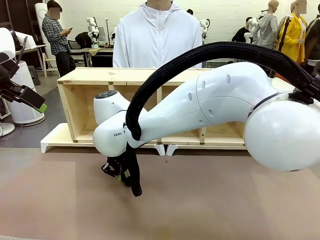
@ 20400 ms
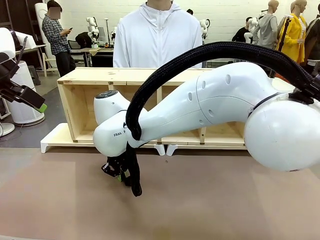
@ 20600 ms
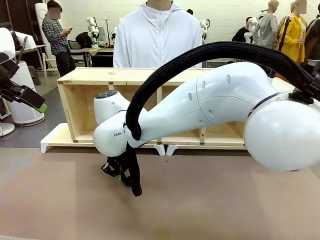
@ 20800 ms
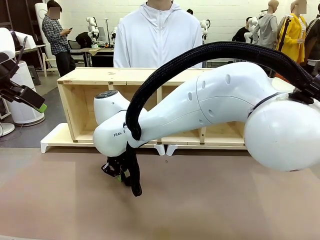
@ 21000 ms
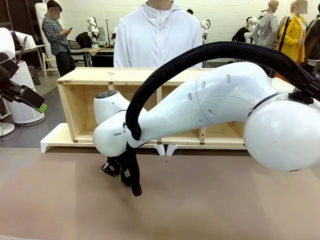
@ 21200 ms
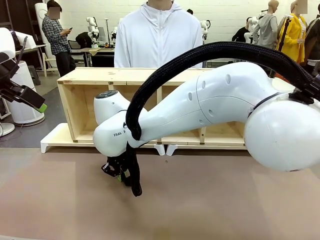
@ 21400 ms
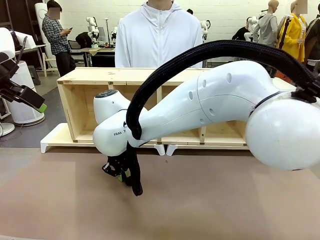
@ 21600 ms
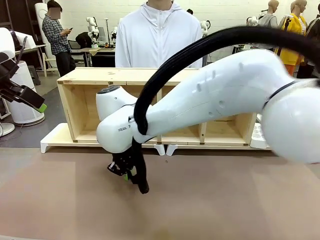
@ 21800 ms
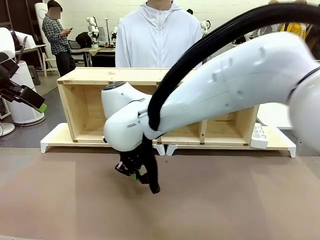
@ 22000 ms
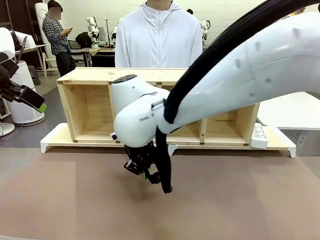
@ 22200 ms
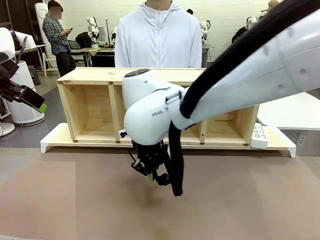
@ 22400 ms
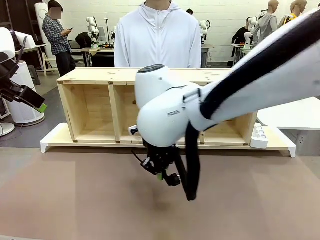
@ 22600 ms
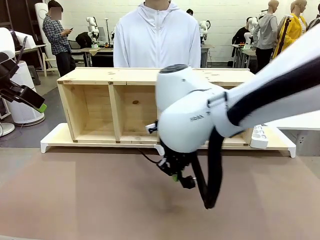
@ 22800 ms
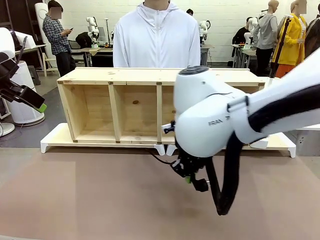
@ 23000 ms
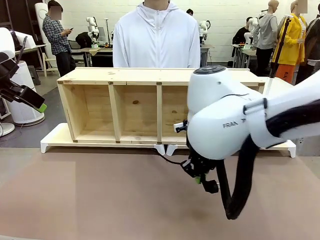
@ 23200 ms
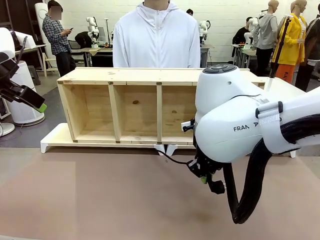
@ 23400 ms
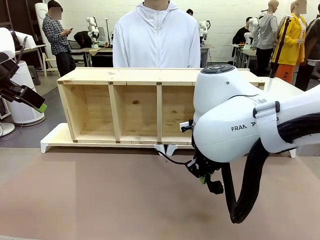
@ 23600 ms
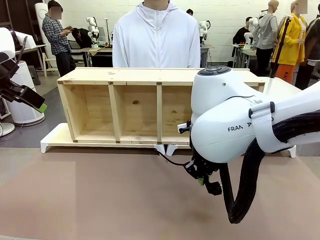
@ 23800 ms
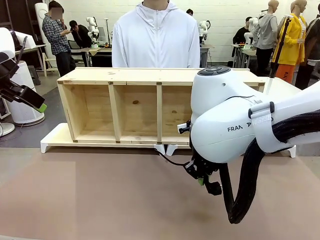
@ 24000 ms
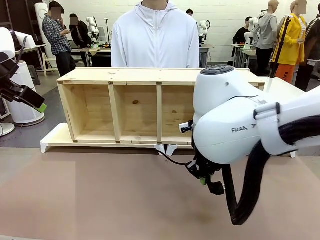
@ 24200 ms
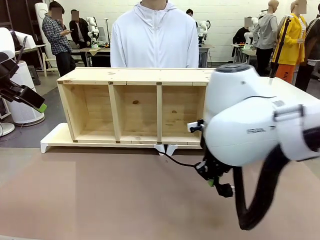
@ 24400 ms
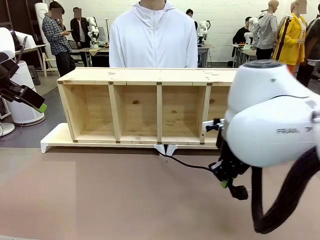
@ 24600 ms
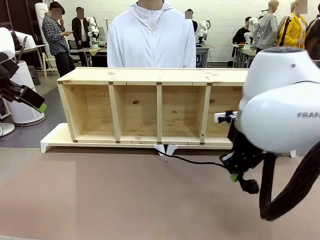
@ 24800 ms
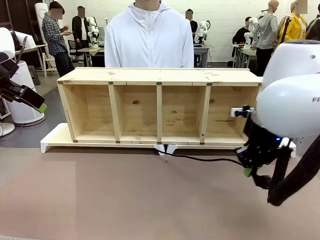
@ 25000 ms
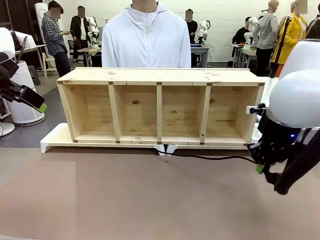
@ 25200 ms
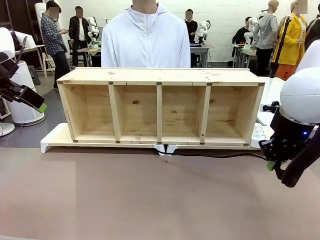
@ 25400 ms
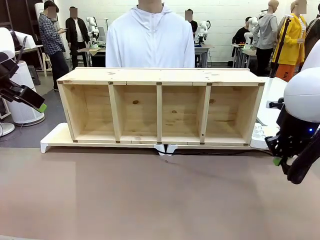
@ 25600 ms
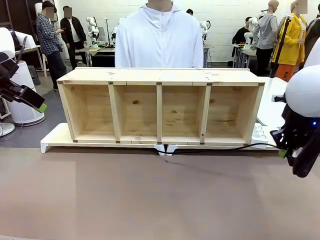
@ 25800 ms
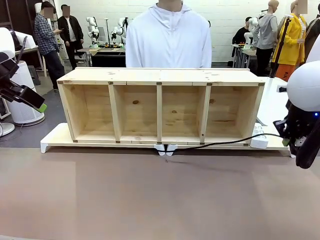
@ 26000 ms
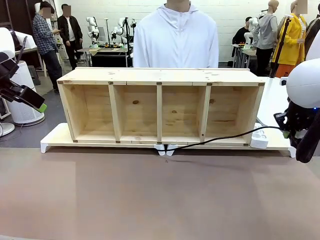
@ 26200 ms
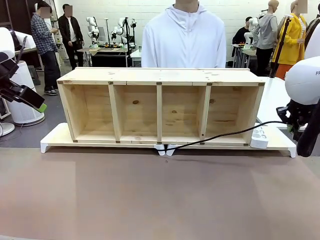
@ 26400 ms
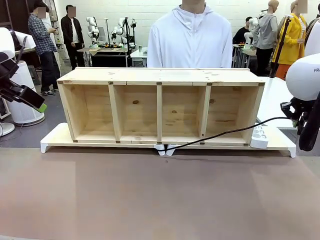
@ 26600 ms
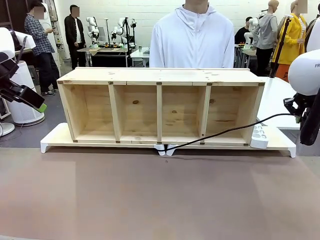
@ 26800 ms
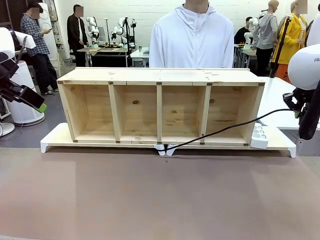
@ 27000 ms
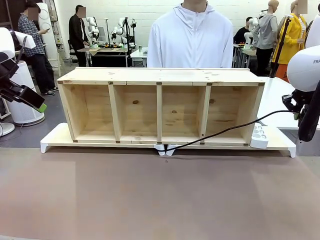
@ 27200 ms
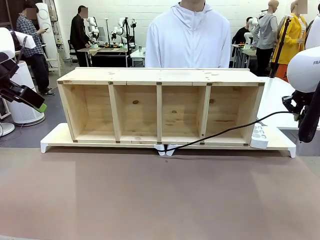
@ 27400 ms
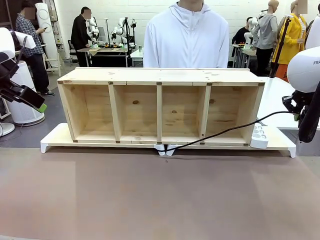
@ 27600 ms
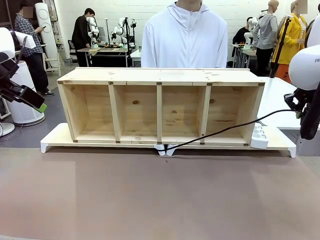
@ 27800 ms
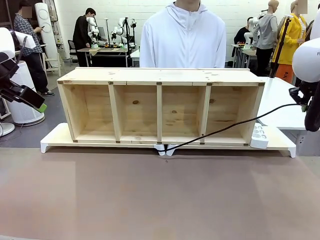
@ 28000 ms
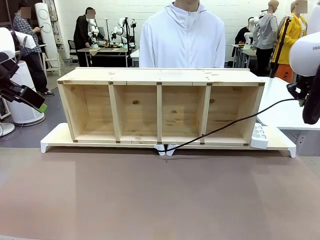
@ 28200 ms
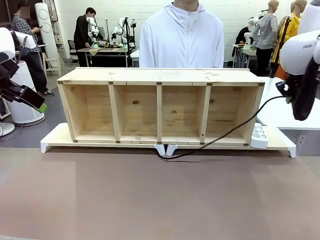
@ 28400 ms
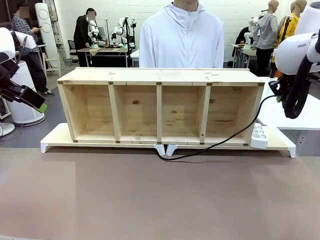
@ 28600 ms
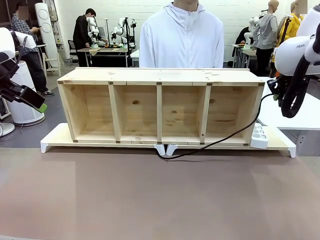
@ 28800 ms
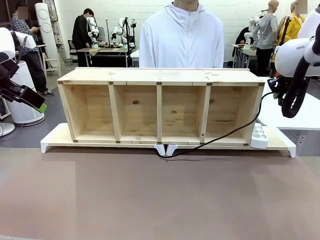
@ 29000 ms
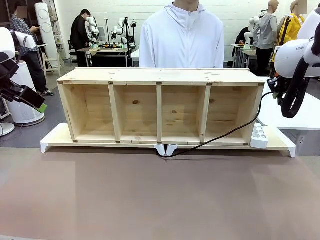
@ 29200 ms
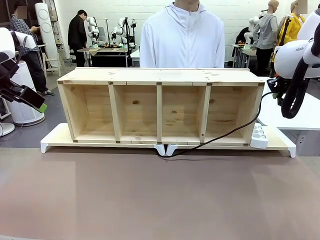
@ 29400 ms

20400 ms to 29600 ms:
Task: Perform cable management.
Robot: Pull the grasped Power Cable to the location of the Power Strip.

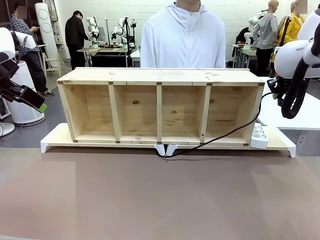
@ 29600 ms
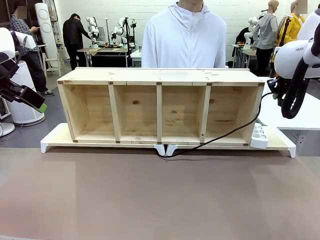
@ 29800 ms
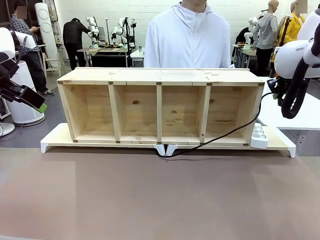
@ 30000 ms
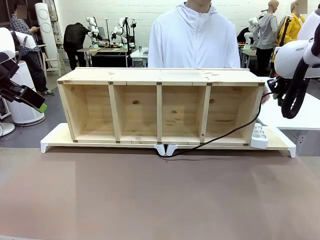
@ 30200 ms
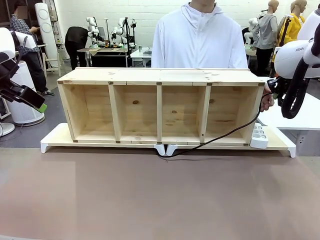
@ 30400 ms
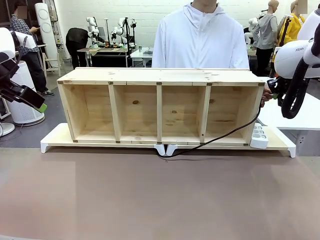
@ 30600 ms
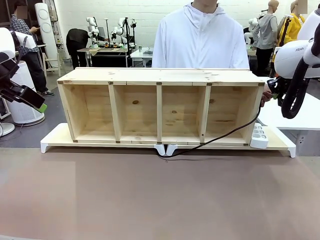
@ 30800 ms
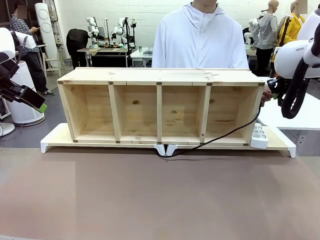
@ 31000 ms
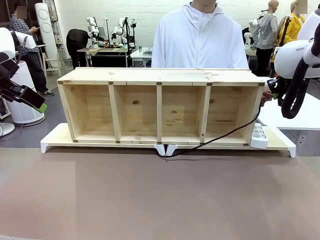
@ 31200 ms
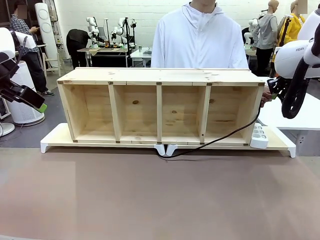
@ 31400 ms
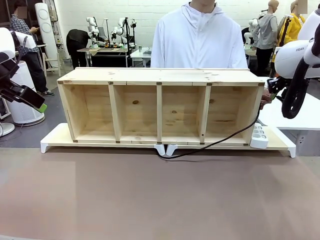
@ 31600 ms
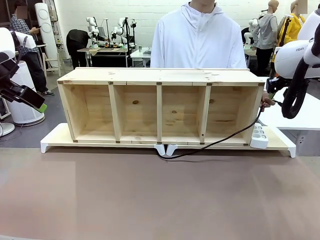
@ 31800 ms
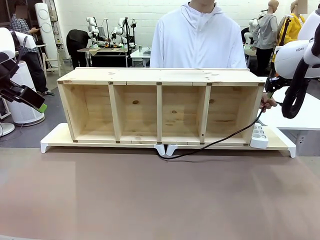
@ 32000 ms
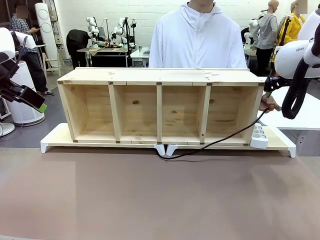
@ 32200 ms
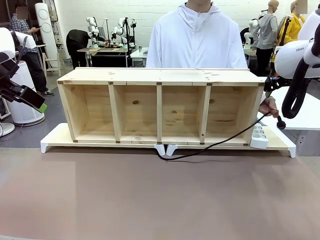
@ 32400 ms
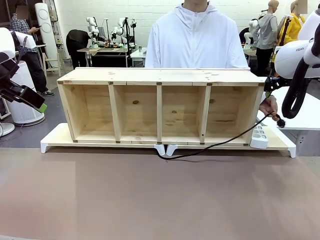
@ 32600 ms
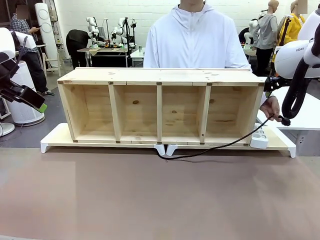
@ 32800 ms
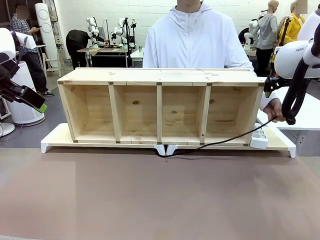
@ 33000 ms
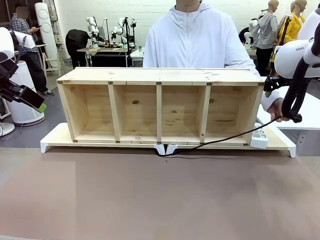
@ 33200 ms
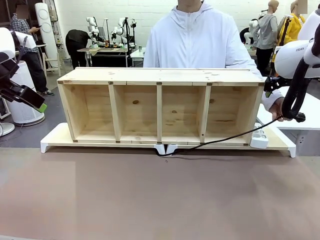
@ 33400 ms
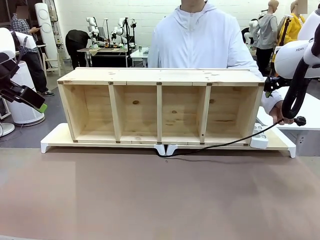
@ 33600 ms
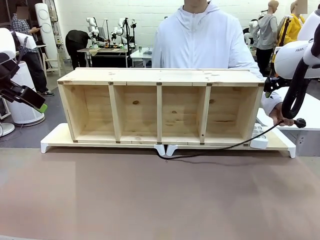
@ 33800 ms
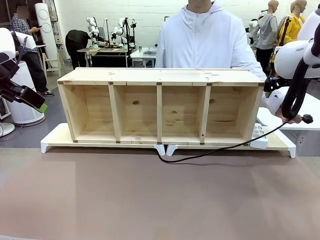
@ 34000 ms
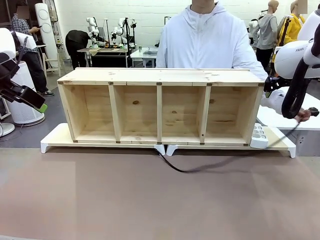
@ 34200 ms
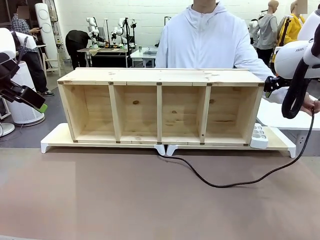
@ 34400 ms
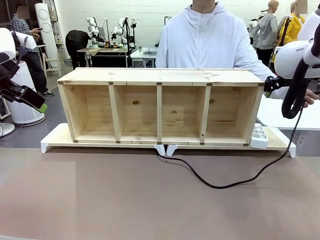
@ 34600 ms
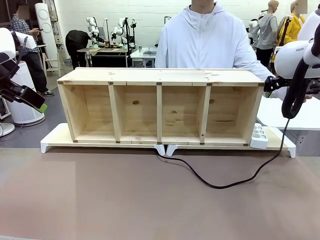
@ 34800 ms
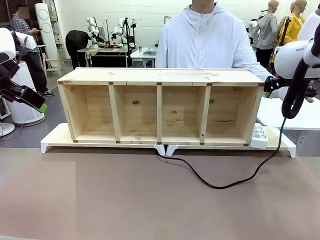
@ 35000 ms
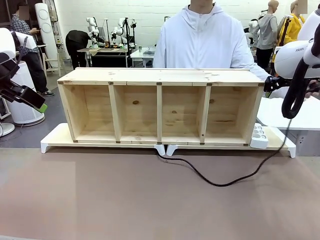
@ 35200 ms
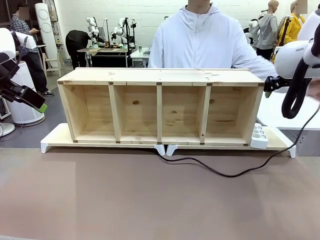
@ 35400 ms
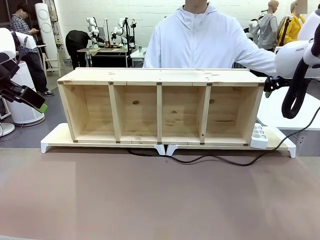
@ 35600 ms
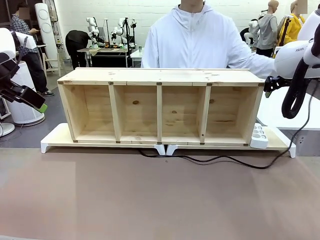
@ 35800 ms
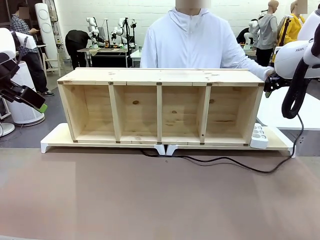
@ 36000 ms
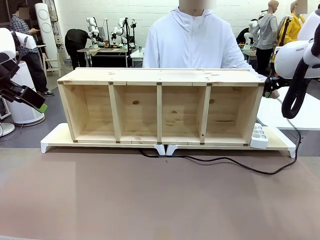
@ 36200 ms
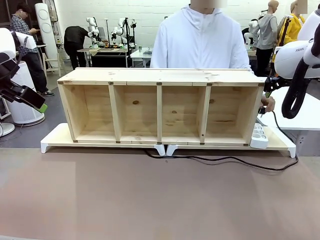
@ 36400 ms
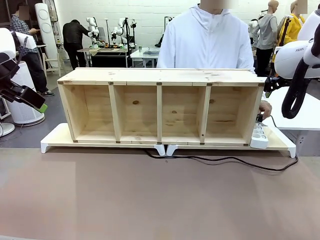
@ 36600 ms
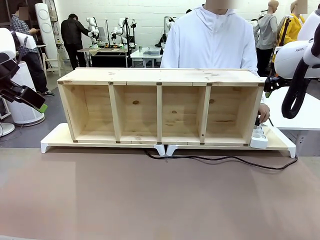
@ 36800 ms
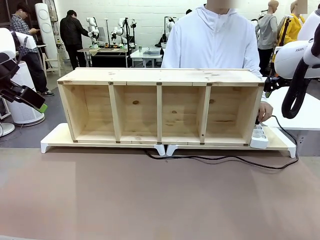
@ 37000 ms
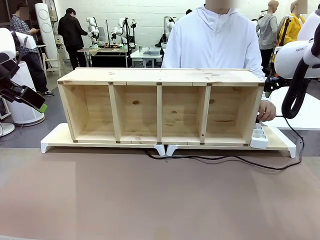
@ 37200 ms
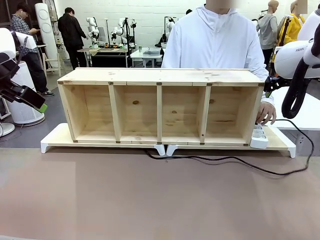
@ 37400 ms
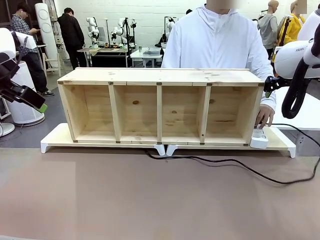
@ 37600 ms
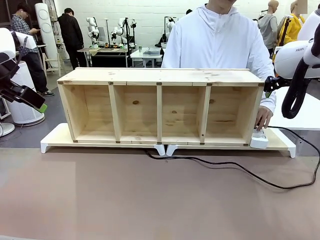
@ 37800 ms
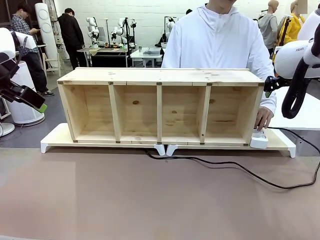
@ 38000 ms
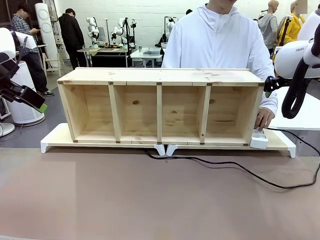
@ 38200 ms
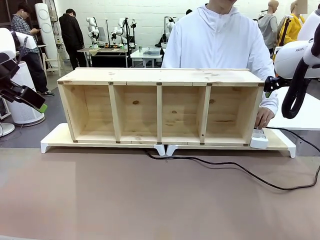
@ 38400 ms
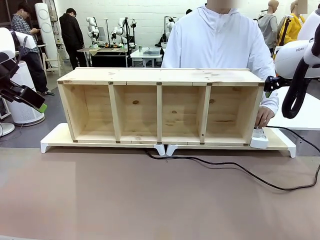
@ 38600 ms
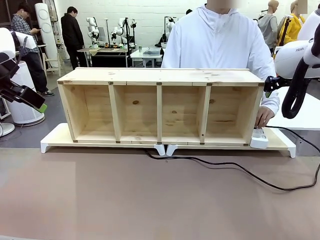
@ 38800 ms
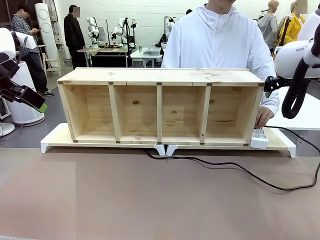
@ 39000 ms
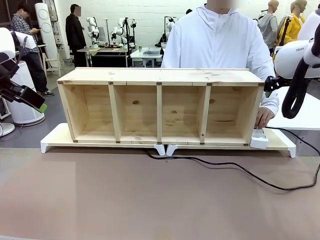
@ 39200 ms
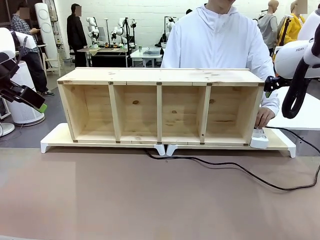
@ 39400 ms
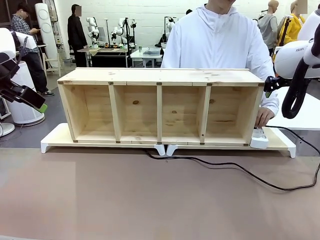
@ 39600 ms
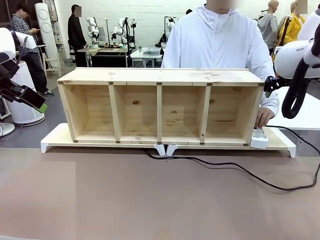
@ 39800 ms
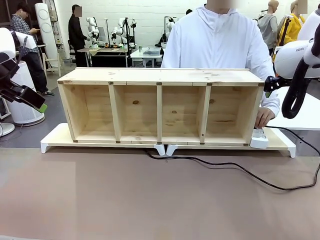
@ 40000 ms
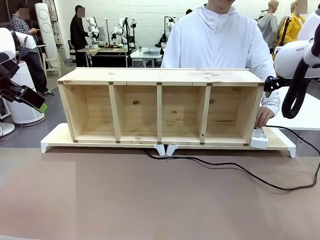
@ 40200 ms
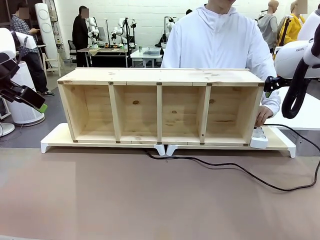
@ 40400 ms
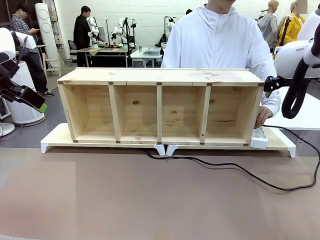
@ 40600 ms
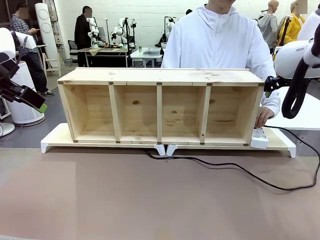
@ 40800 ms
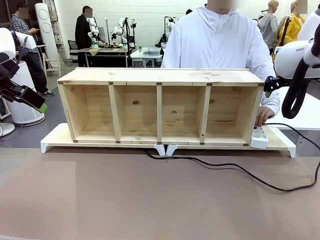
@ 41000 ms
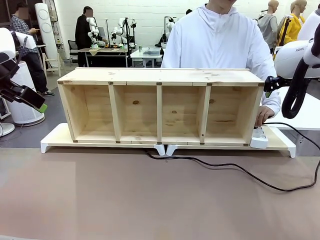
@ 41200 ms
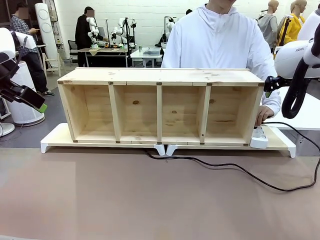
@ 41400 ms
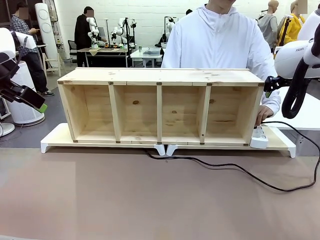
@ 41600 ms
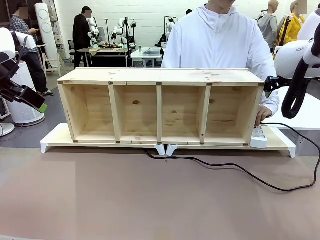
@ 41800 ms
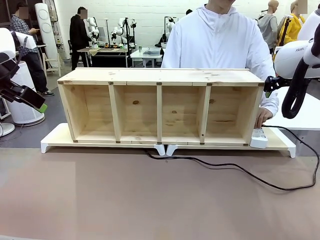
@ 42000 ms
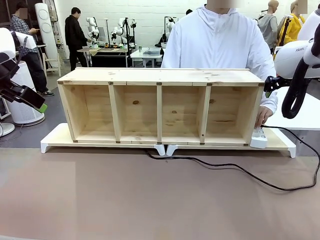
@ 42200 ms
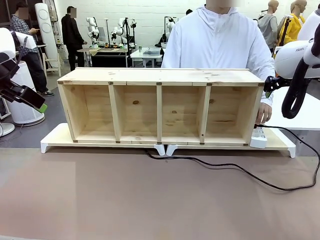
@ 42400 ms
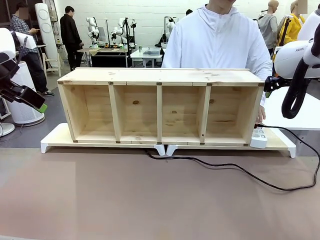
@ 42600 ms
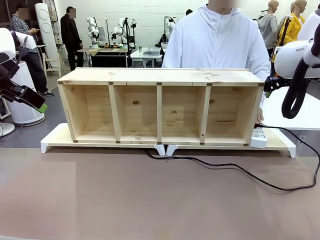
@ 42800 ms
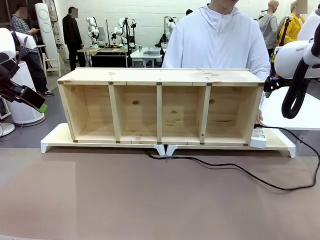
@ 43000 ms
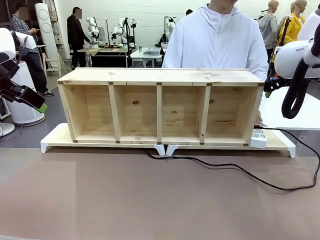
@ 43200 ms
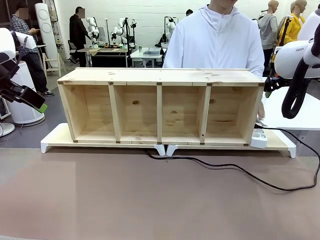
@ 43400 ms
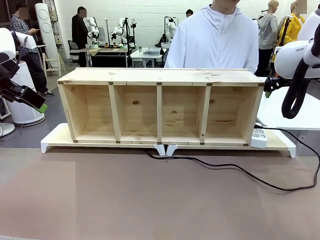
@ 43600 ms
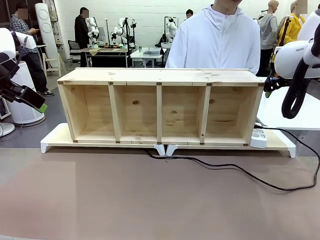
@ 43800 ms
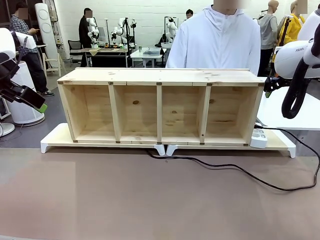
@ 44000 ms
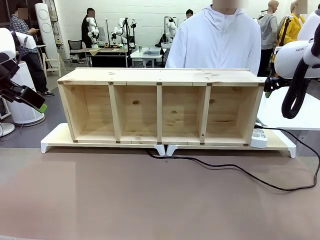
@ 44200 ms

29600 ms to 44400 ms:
Robot: Release the Power Cable when the human grasps it.
Person: Plug the Power Cable into the Power Strip.
